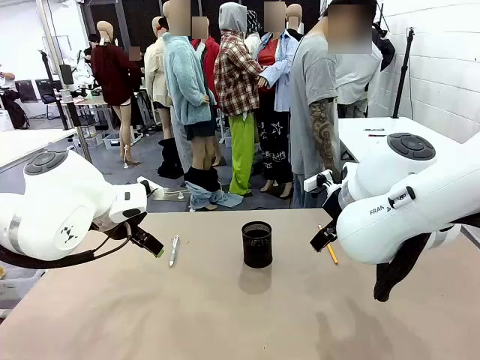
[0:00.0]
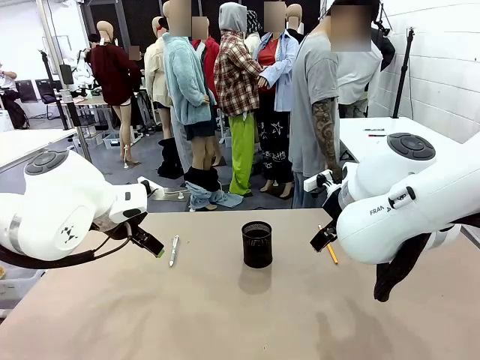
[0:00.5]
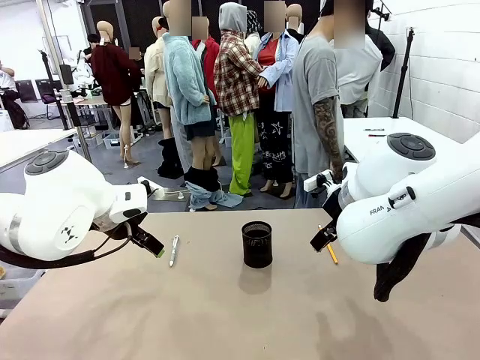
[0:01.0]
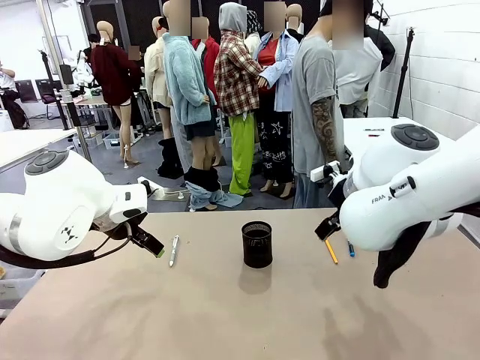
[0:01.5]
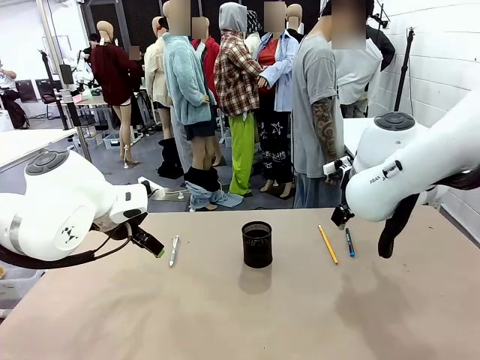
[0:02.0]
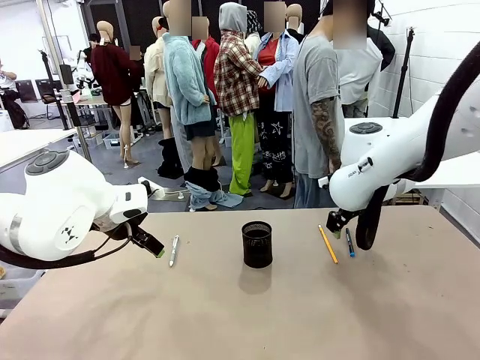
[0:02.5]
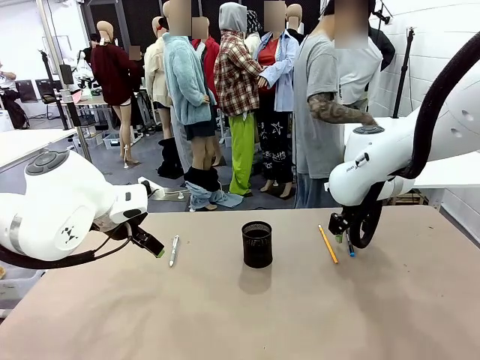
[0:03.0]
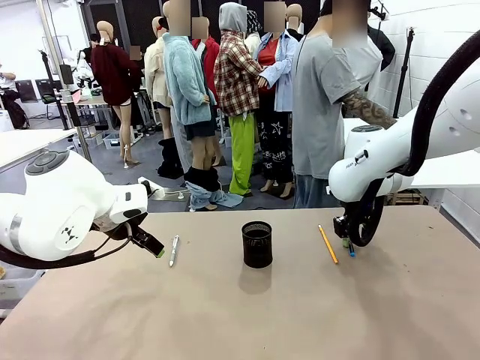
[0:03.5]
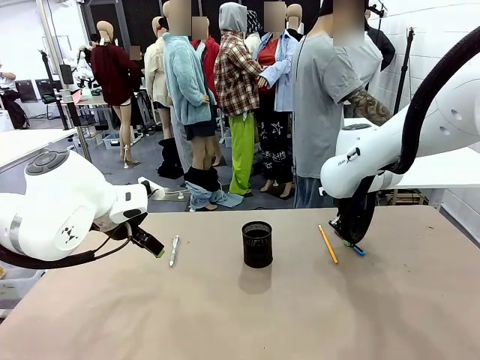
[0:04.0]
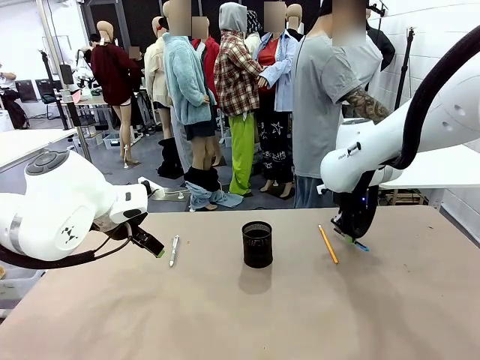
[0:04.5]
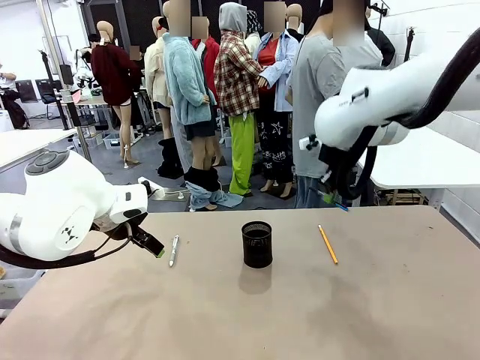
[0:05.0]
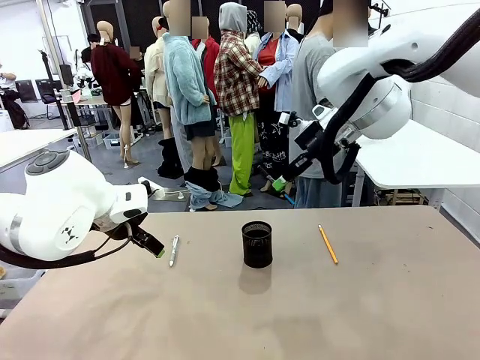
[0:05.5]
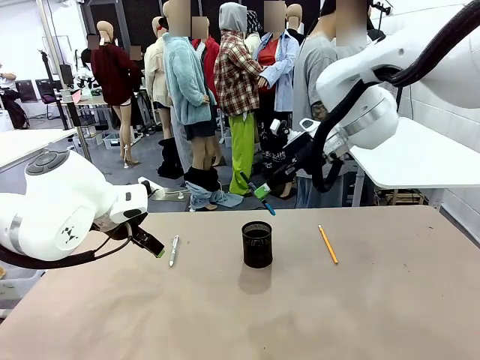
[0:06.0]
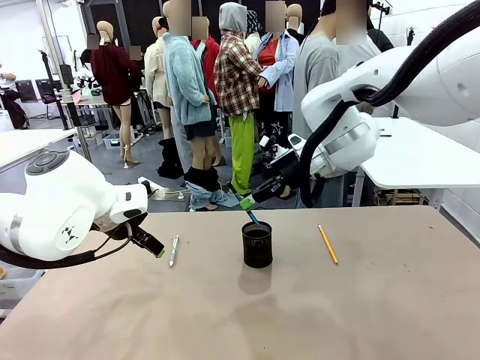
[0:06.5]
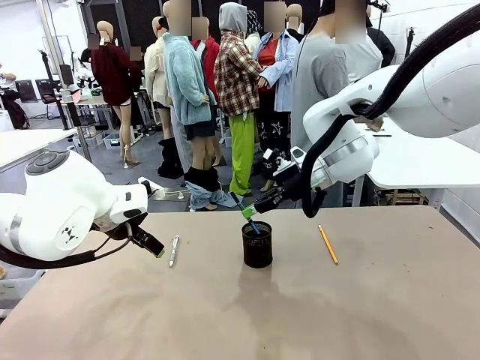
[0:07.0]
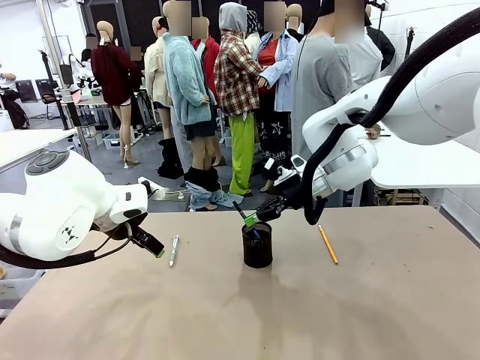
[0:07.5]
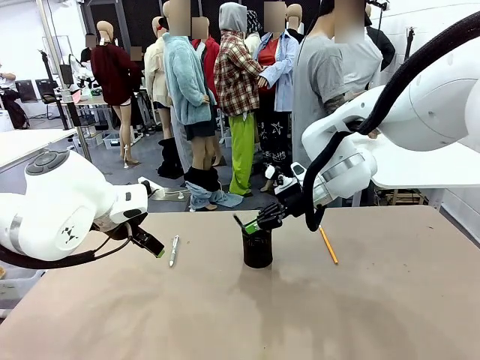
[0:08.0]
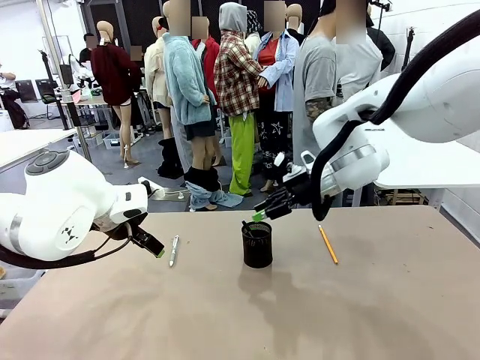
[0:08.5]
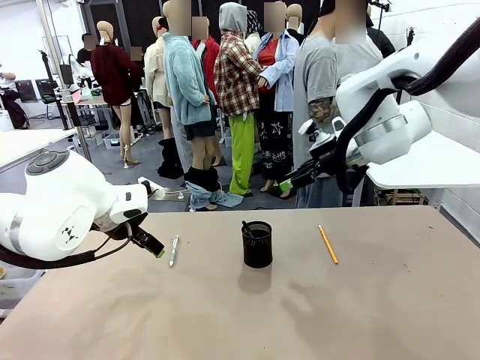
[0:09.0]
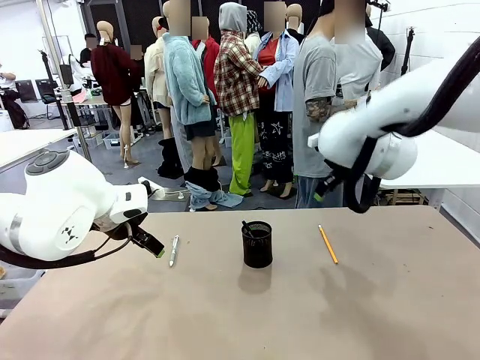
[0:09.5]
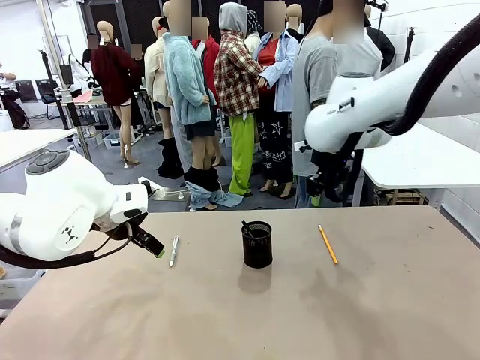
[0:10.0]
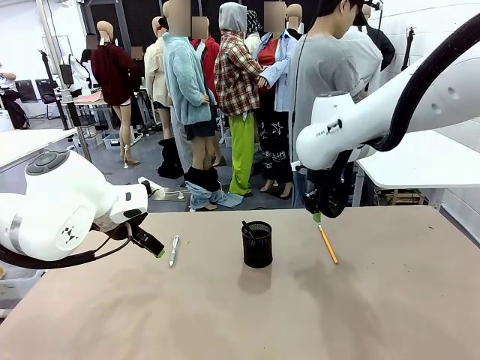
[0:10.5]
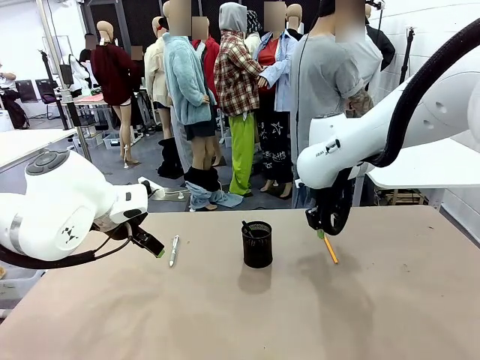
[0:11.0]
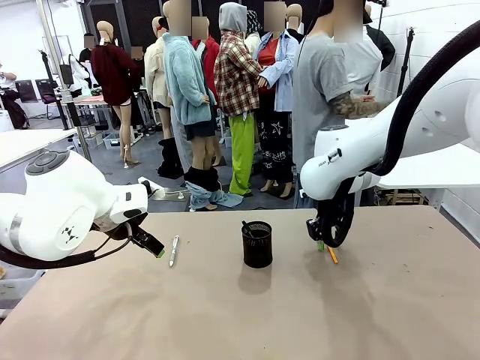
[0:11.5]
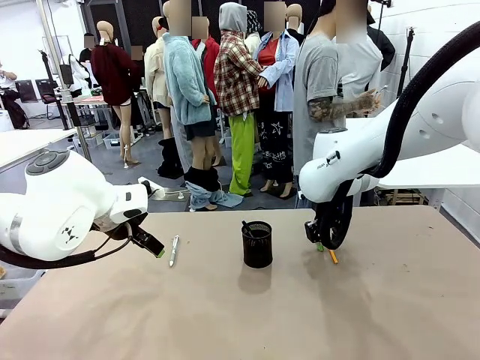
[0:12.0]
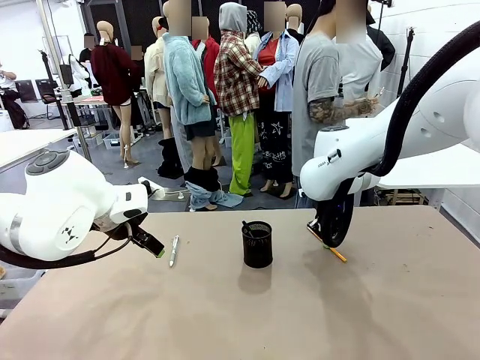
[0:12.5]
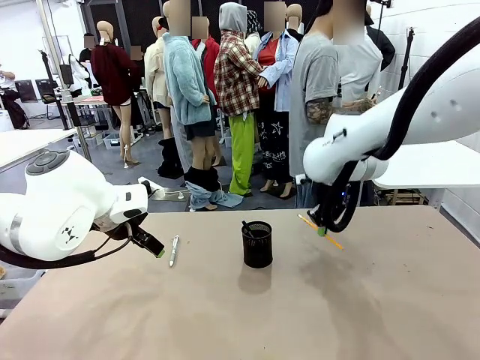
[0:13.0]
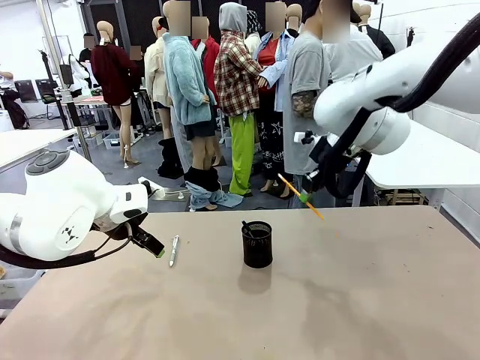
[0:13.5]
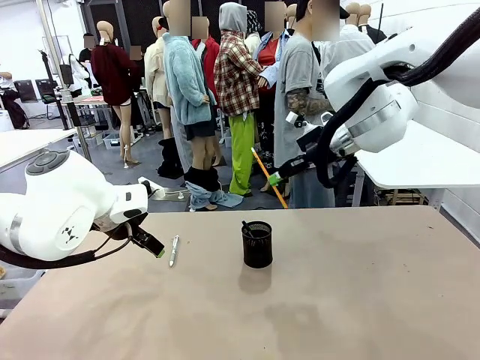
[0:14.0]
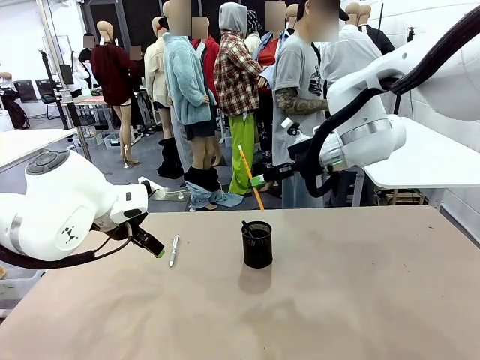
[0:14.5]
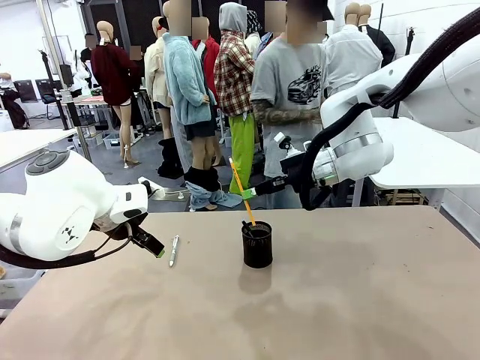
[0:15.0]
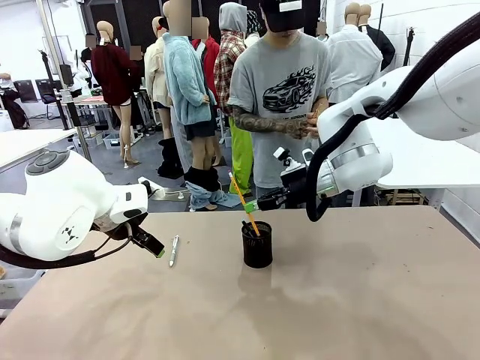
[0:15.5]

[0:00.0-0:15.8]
Task: Place the pens into the pen holder.
Robot: Pick up a writing instrument from the table and place it into the Pen holder.
Person: Pick up all writing instruments from the Human table.
